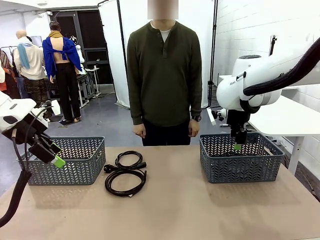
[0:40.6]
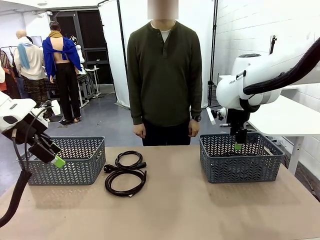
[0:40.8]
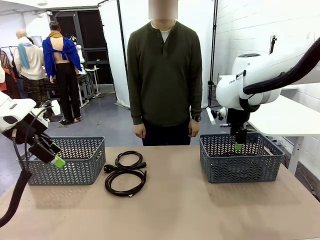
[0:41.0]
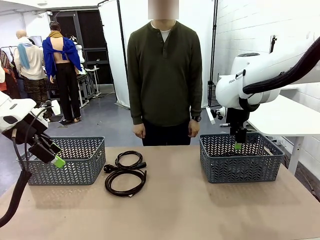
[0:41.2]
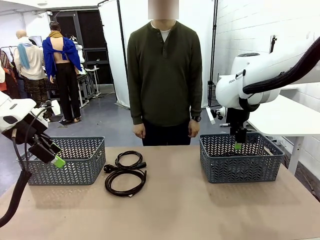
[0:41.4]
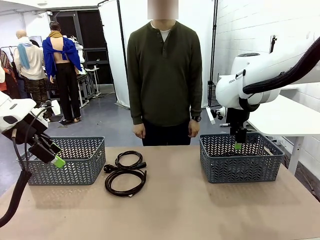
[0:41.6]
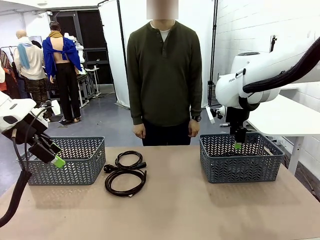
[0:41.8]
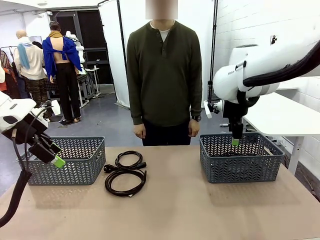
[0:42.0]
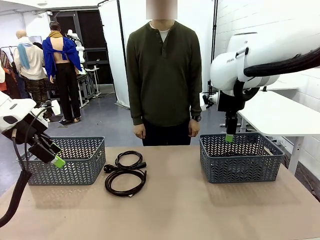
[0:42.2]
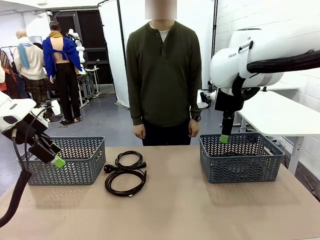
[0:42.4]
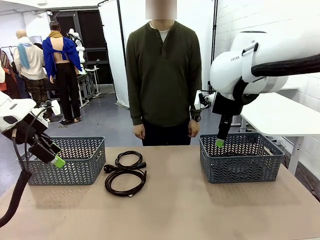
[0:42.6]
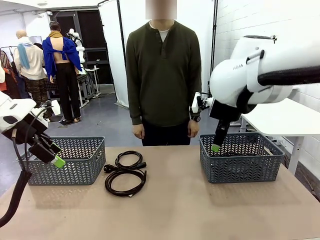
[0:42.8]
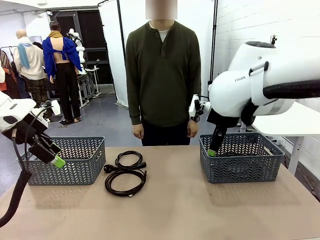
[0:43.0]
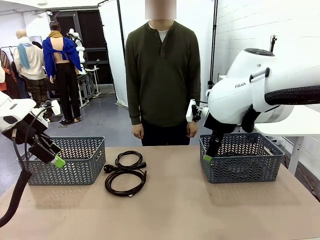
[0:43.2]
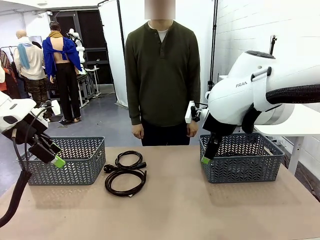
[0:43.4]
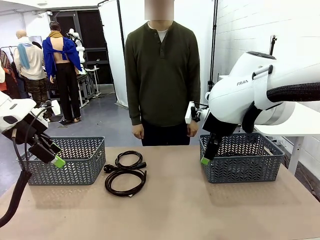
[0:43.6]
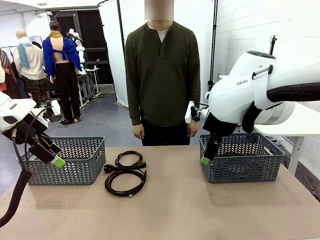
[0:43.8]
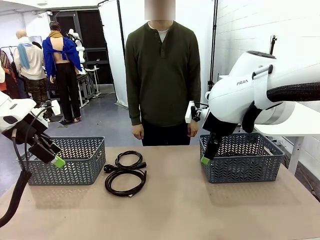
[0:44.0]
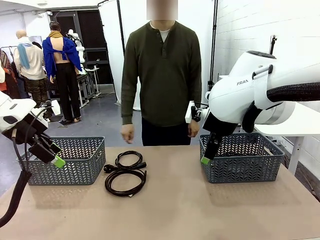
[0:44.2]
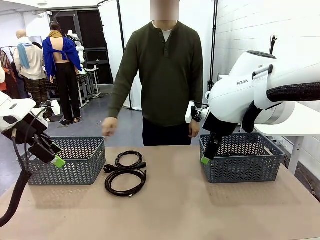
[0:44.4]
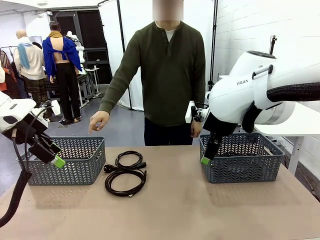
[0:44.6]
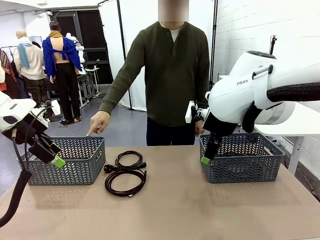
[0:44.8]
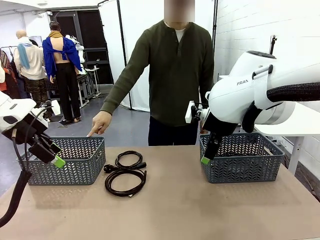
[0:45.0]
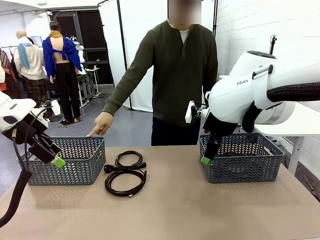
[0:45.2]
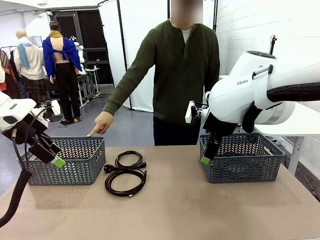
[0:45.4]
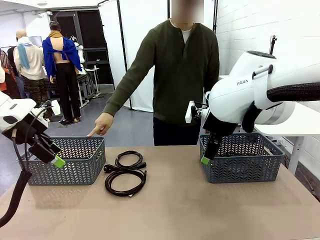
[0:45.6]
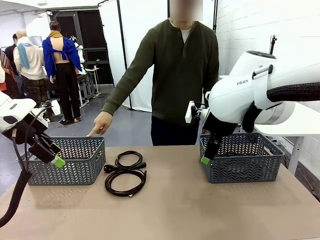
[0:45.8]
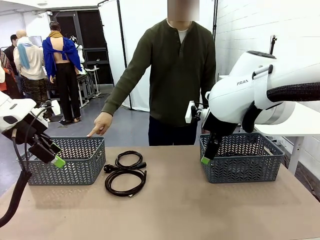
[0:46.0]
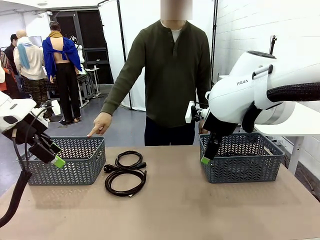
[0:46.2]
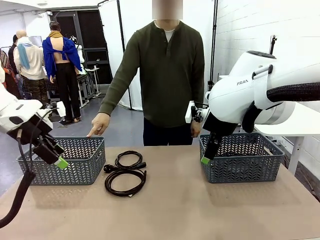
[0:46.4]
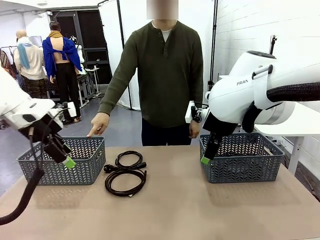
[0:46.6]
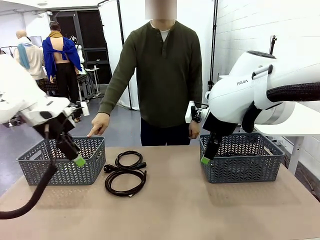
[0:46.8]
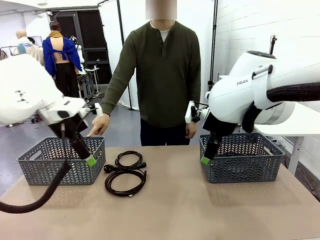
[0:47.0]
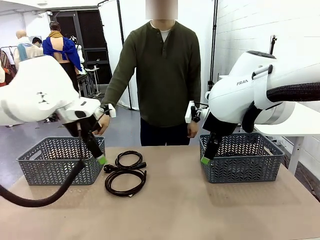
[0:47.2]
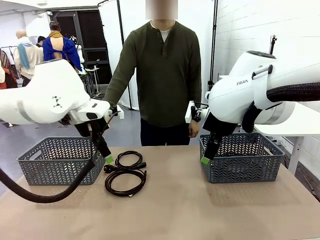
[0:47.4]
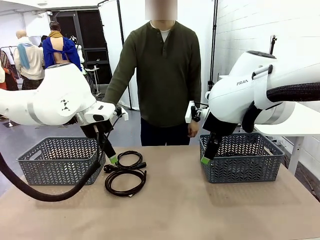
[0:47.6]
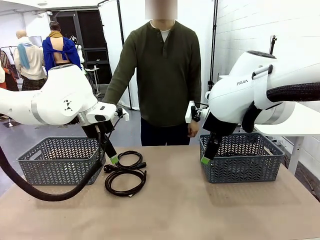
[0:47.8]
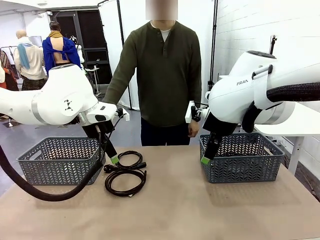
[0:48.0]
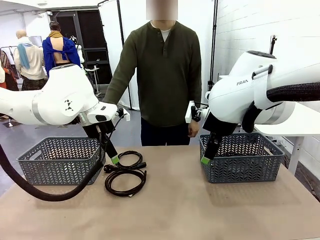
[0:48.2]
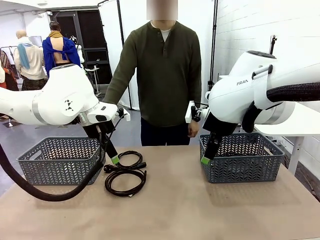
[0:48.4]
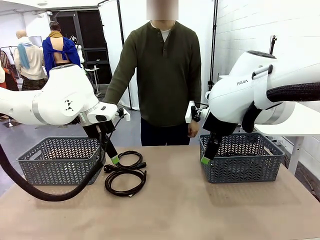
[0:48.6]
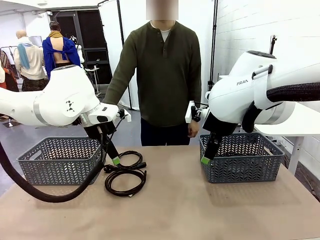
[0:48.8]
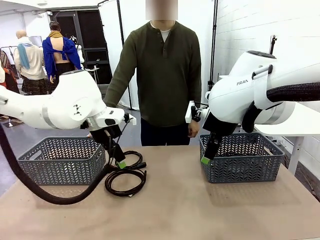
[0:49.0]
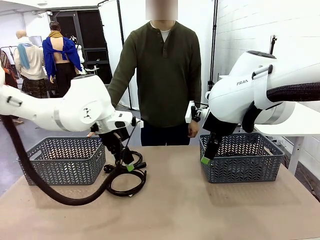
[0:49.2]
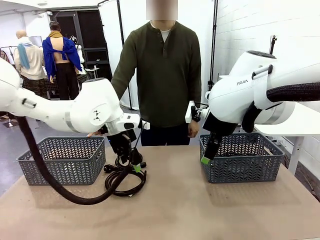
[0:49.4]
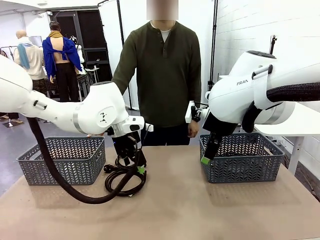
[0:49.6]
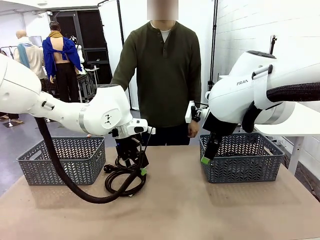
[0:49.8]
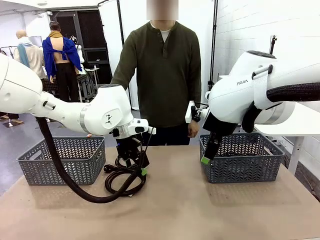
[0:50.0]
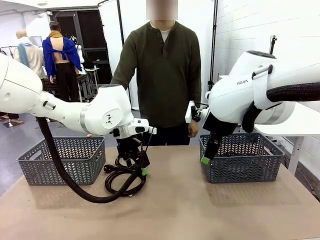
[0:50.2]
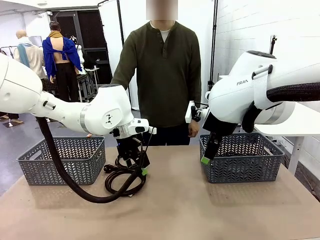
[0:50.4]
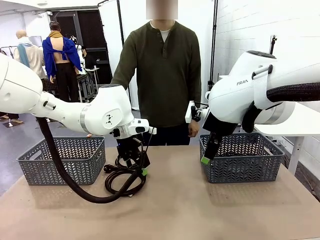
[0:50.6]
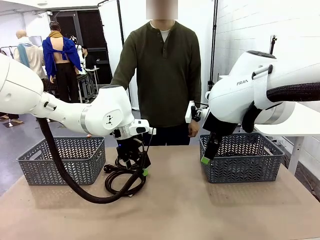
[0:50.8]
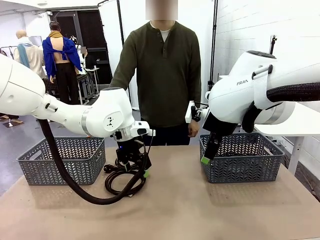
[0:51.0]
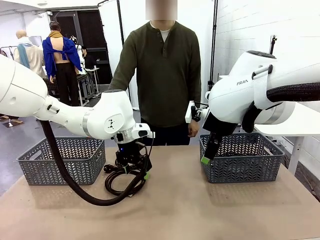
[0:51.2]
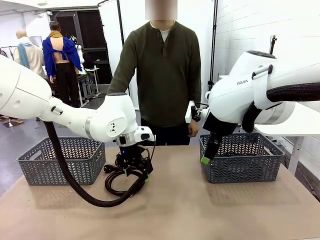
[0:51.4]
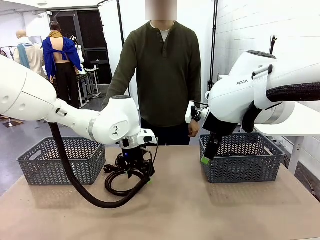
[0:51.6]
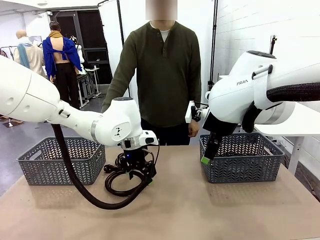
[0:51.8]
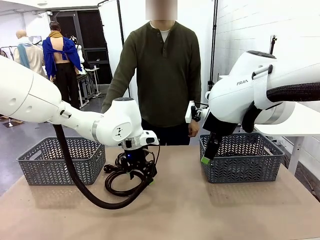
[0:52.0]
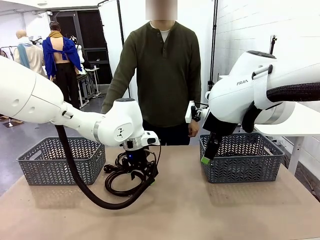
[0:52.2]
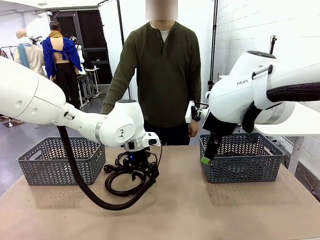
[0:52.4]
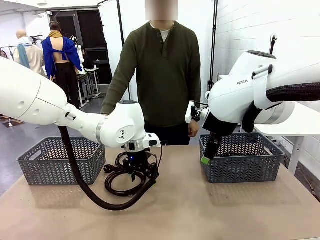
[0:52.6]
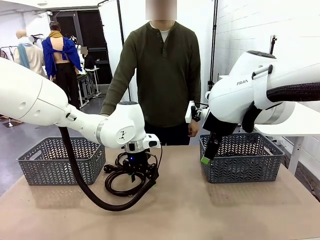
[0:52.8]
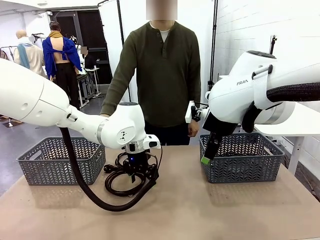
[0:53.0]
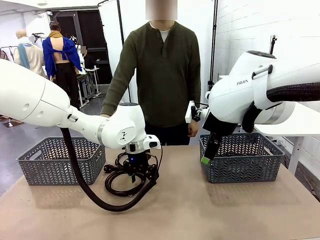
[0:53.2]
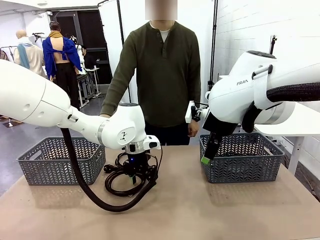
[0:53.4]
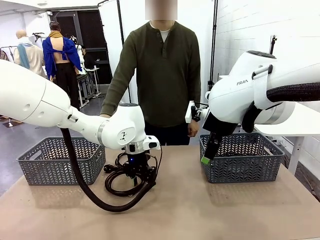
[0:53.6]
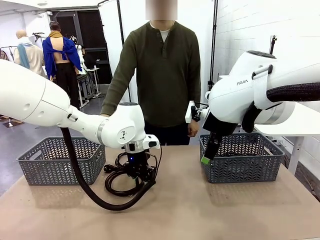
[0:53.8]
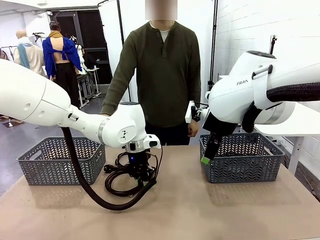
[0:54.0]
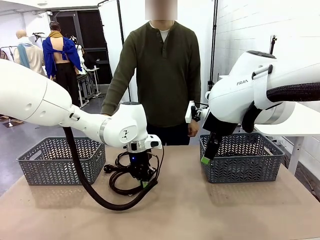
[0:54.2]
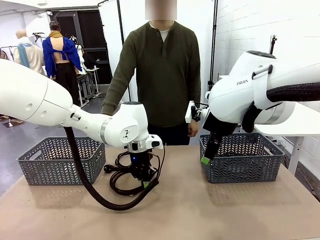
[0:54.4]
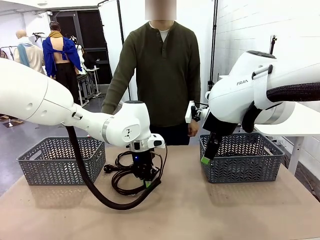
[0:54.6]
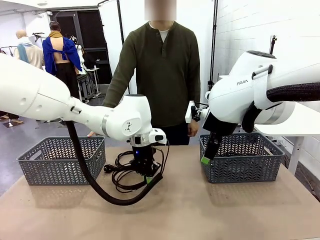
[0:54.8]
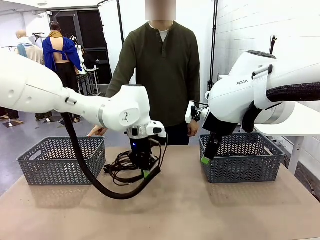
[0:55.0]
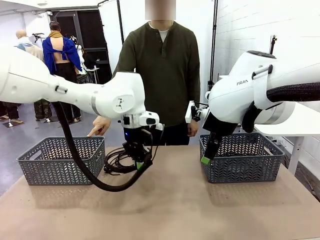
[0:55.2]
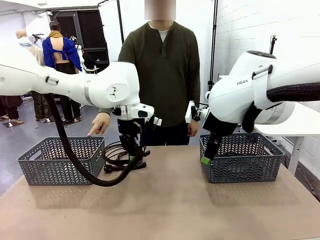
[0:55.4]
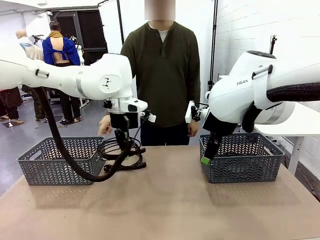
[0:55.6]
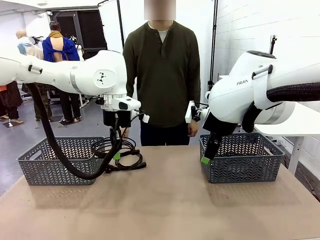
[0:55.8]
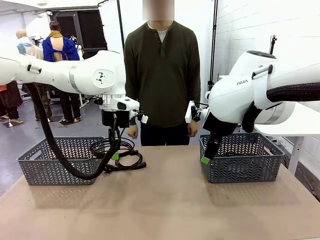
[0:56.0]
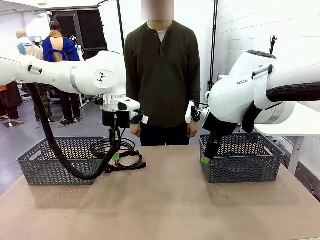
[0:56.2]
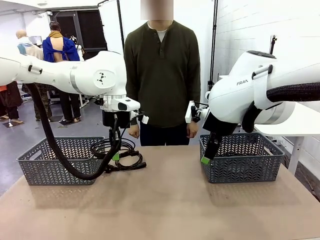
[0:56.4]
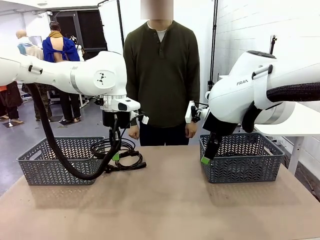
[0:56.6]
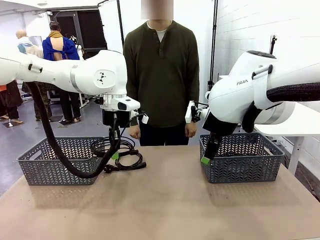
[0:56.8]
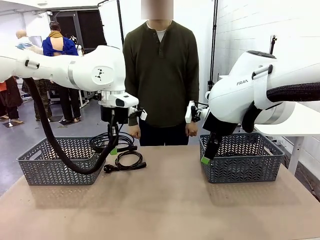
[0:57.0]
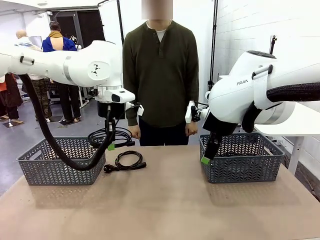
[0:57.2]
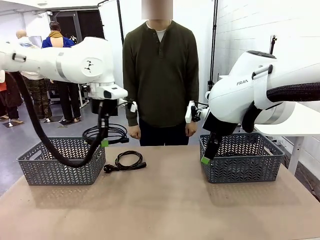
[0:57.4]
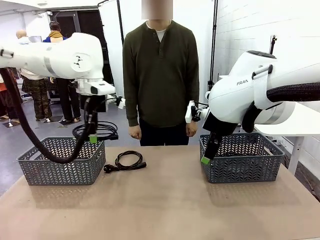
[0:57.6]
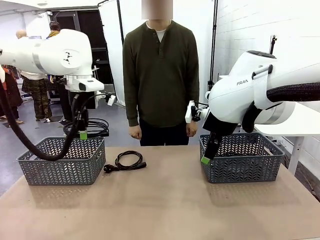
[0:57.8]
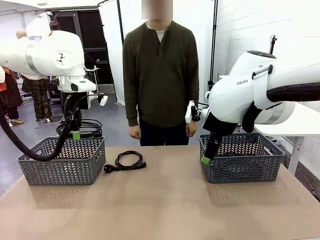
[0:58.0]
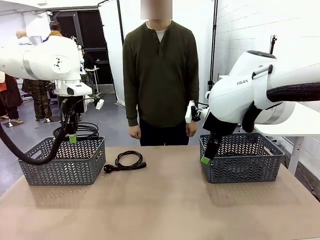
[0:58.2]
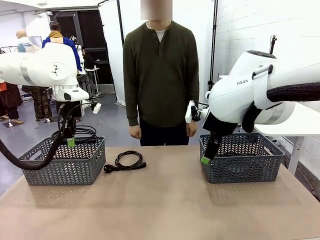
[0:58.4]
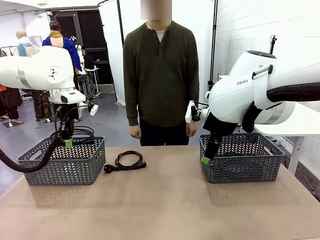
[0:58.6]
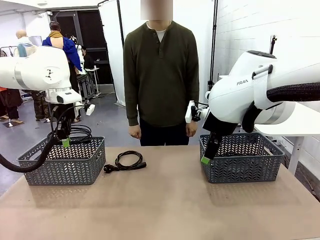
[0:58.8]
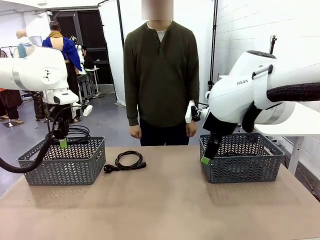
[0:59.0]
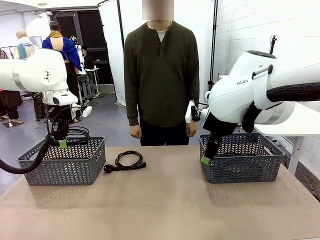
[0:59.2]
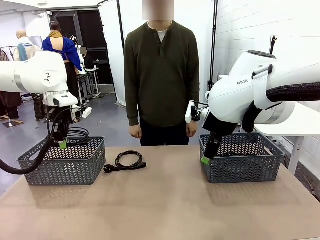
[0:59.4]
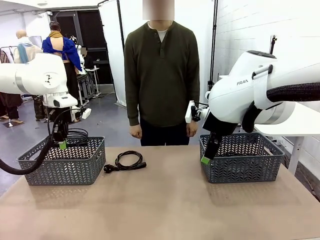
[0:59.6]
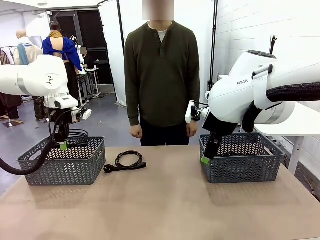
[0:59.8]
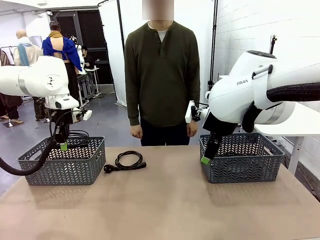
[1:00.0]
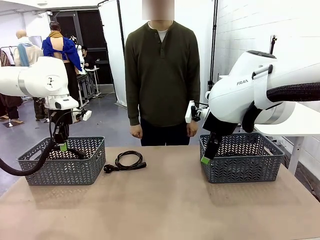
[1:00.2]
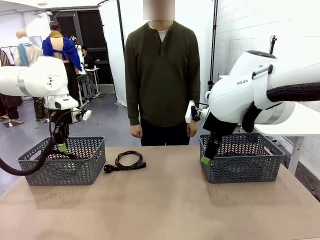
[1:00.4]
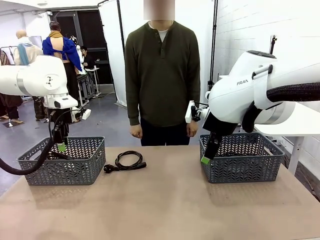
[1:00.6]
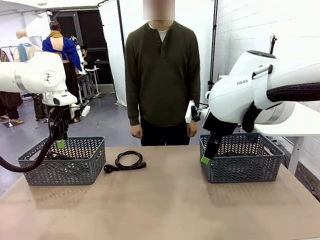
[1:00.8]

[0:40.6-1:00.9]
Task: Organize the cables according to human instructions.
Robot: Pick up a bundle of cables and place it in the basket indicated by the human.
